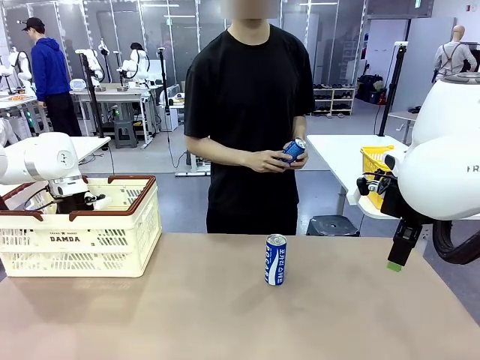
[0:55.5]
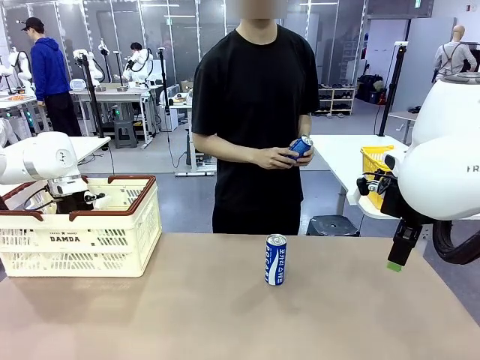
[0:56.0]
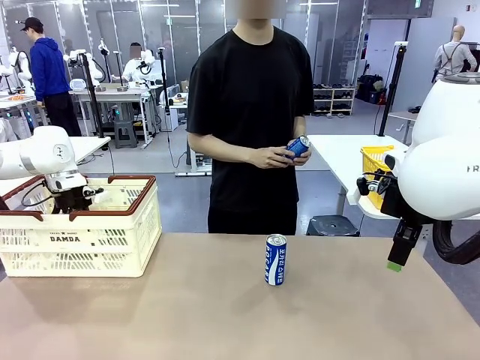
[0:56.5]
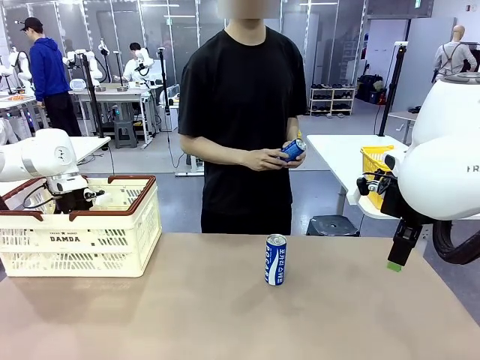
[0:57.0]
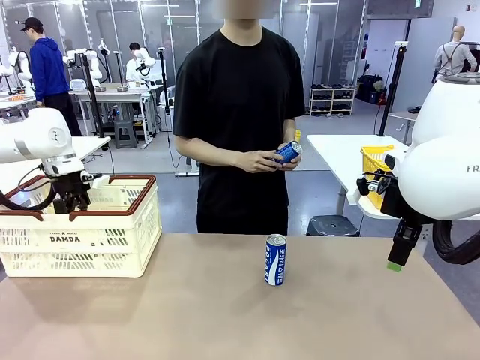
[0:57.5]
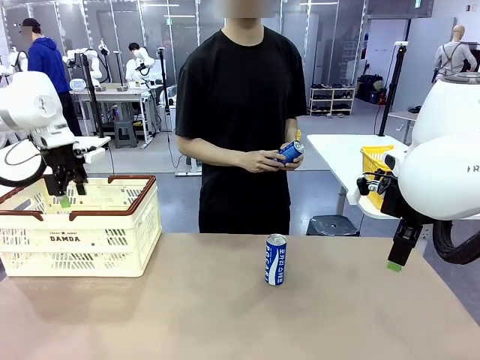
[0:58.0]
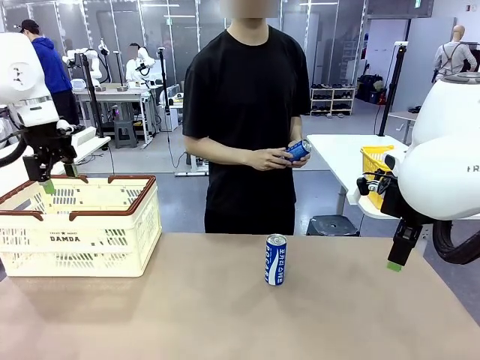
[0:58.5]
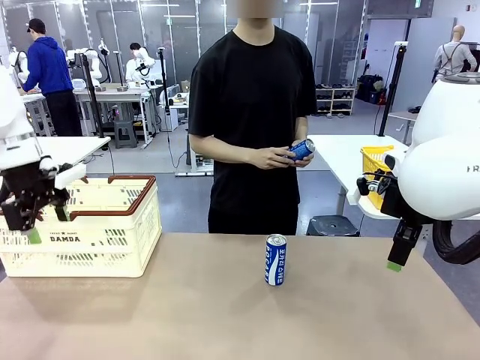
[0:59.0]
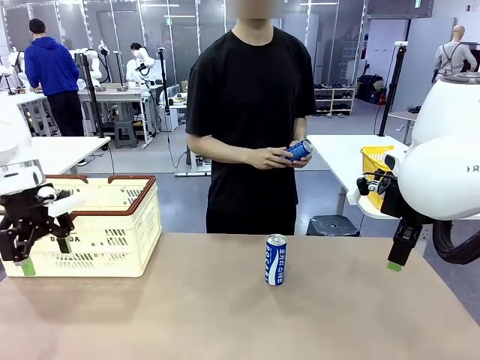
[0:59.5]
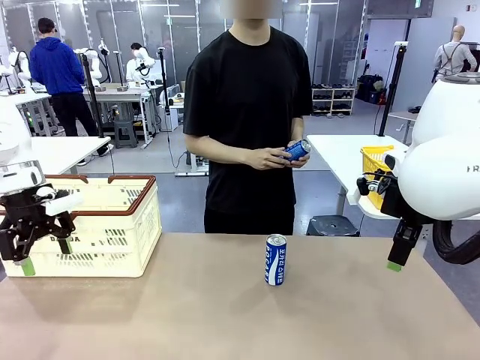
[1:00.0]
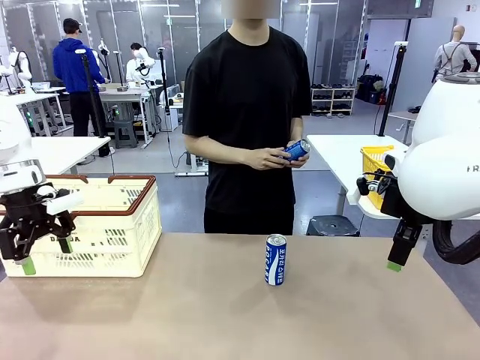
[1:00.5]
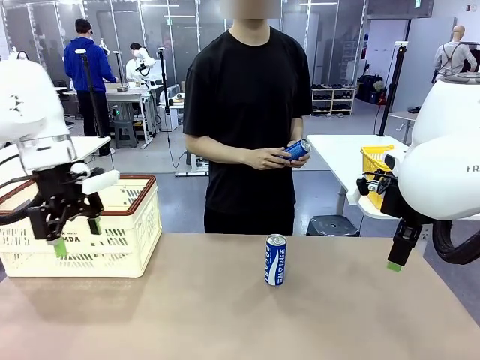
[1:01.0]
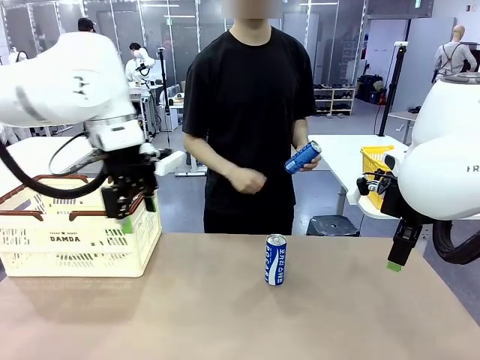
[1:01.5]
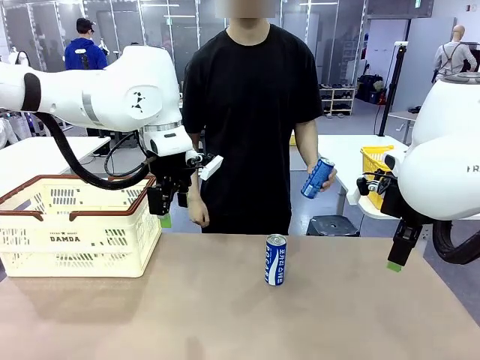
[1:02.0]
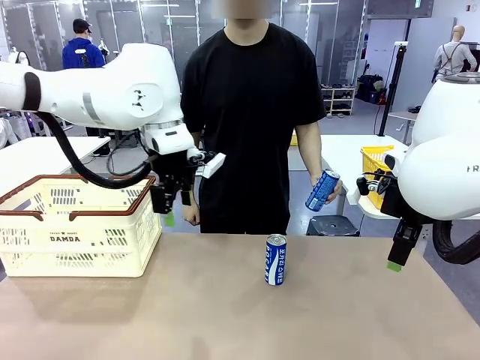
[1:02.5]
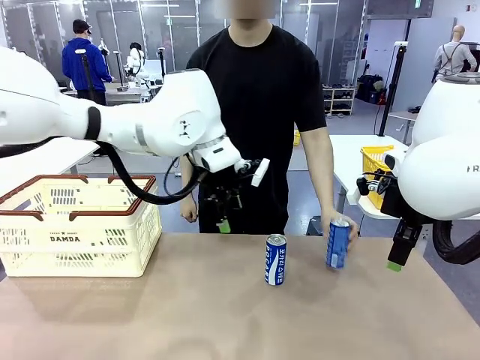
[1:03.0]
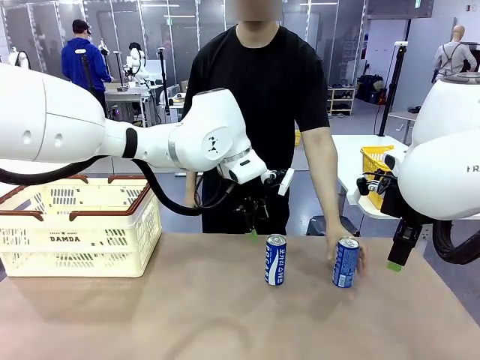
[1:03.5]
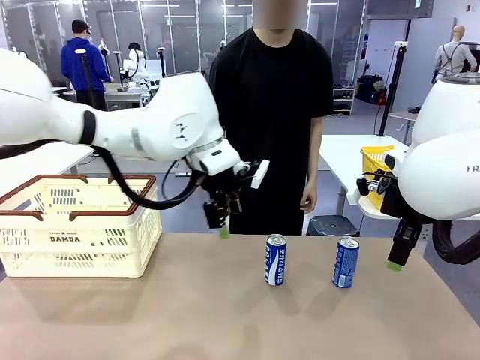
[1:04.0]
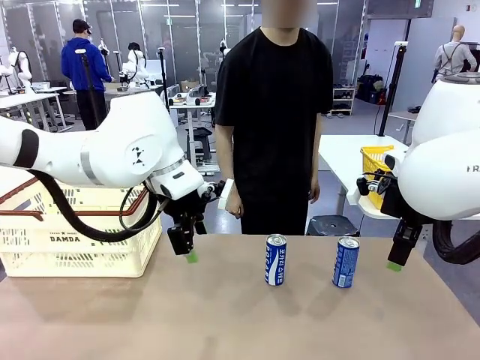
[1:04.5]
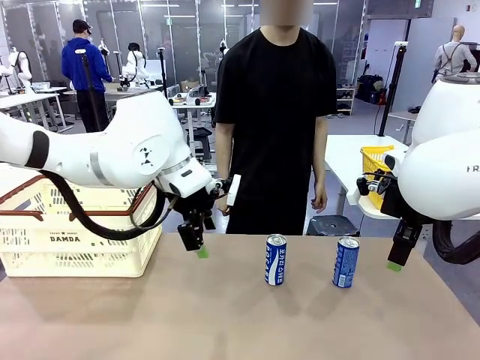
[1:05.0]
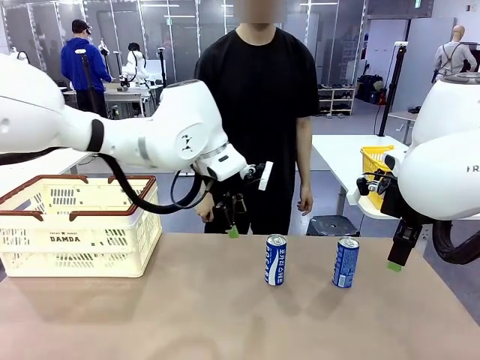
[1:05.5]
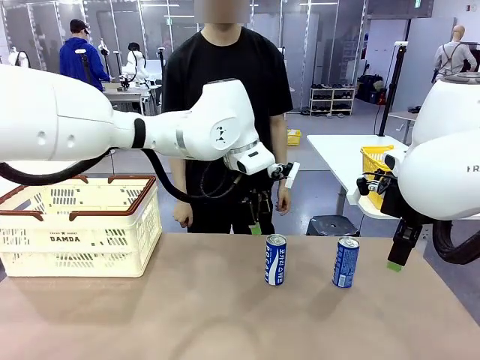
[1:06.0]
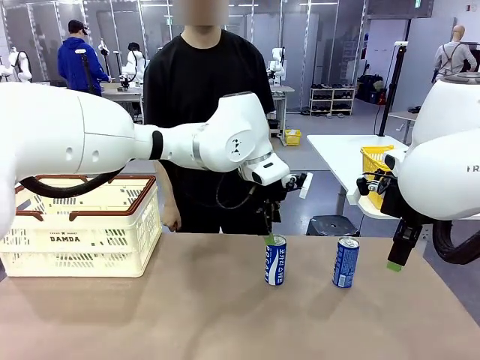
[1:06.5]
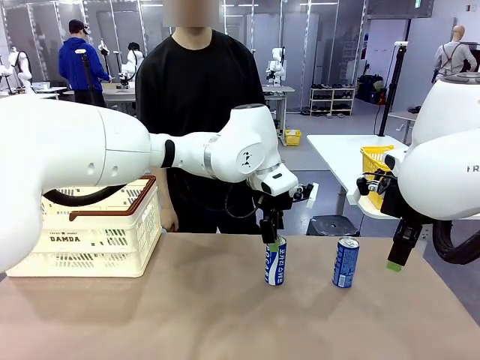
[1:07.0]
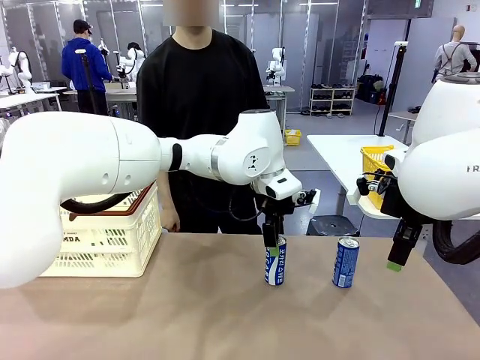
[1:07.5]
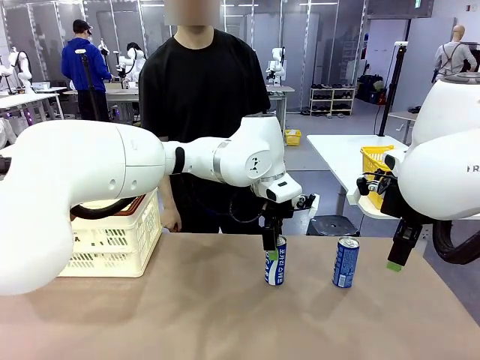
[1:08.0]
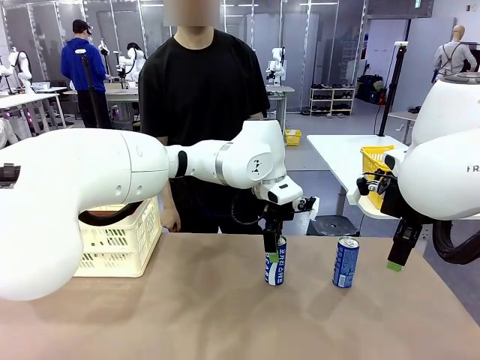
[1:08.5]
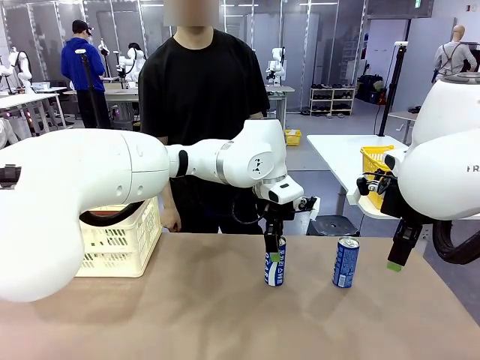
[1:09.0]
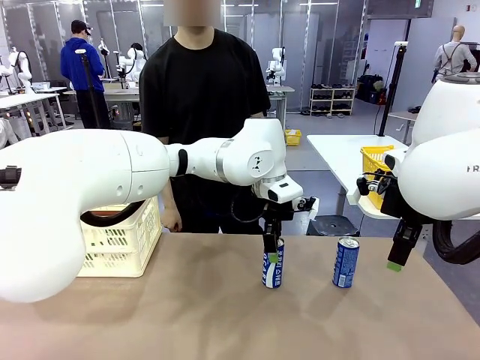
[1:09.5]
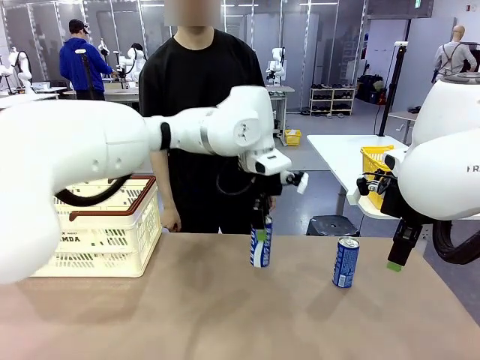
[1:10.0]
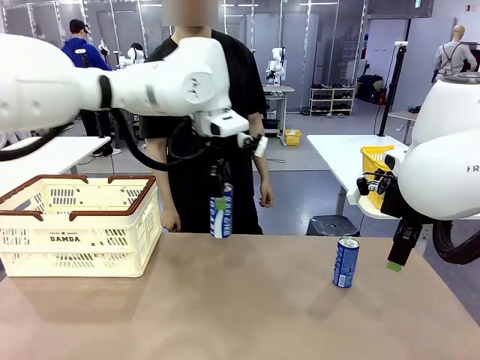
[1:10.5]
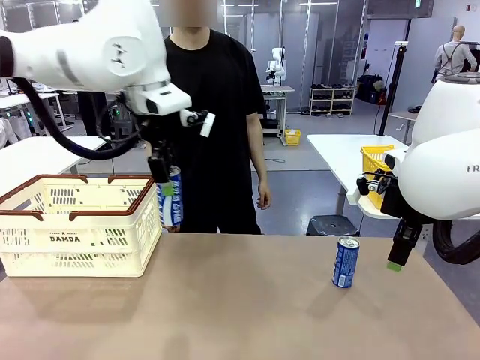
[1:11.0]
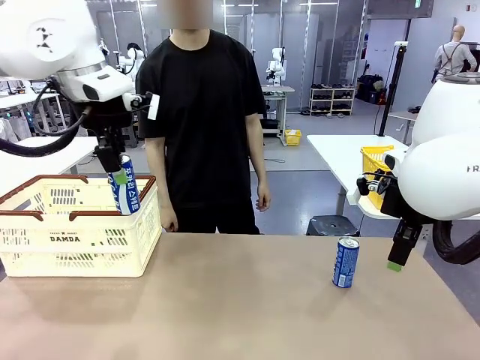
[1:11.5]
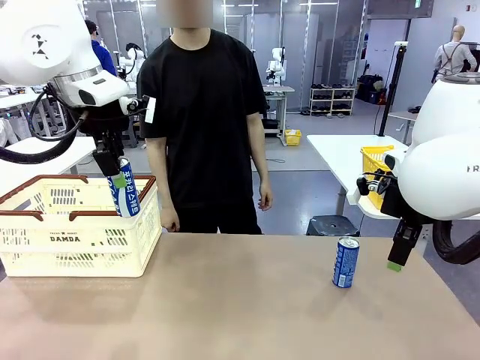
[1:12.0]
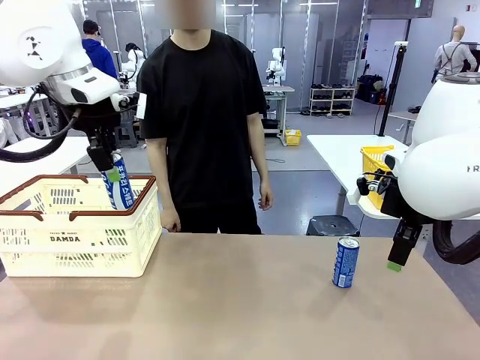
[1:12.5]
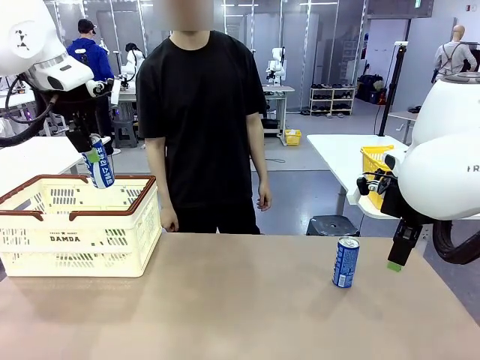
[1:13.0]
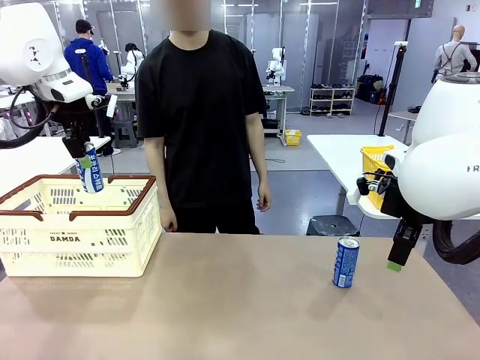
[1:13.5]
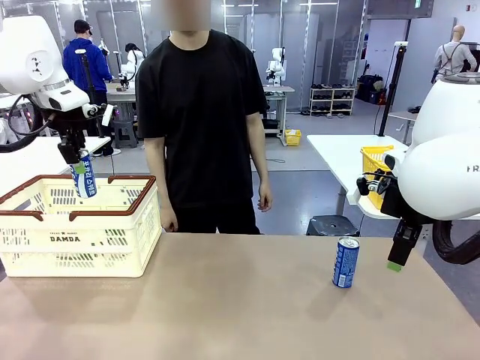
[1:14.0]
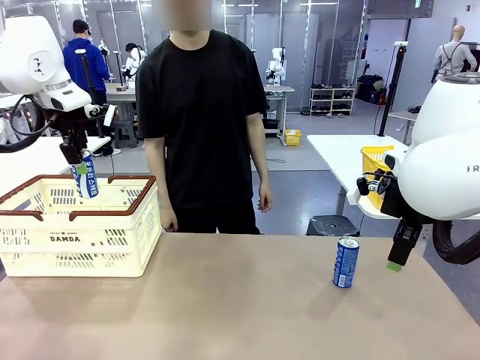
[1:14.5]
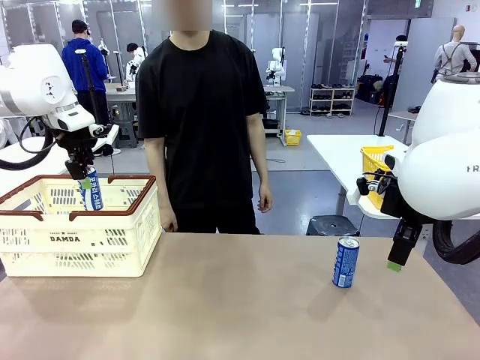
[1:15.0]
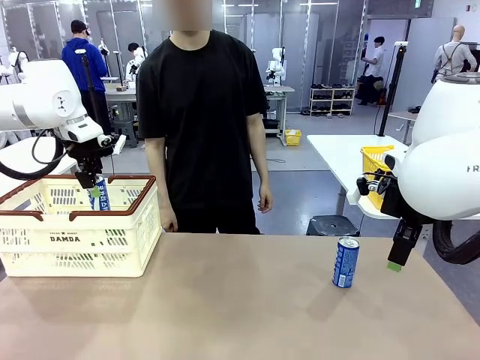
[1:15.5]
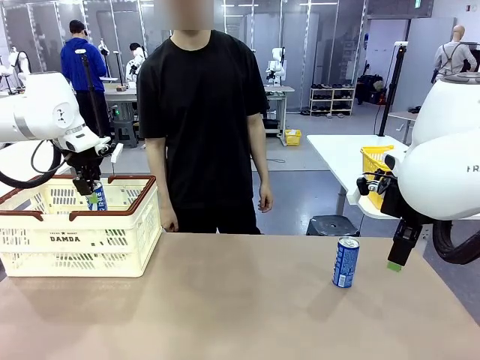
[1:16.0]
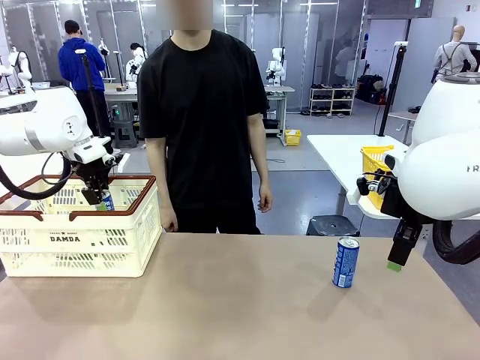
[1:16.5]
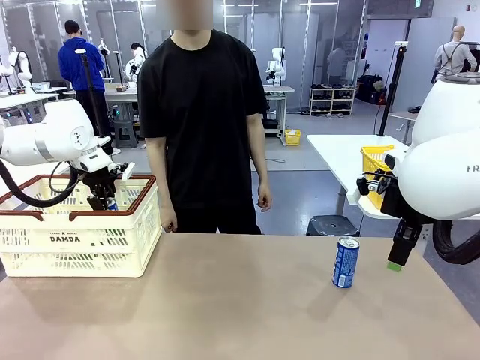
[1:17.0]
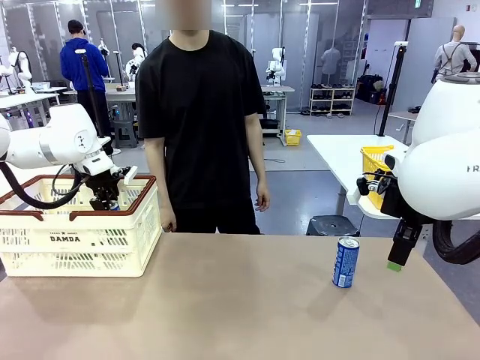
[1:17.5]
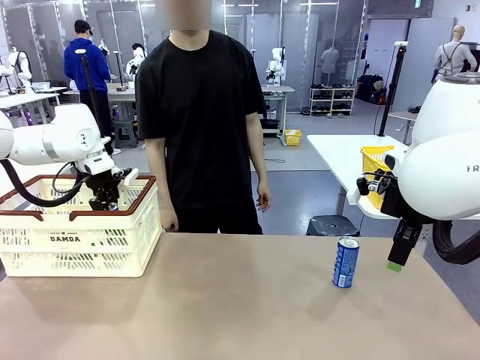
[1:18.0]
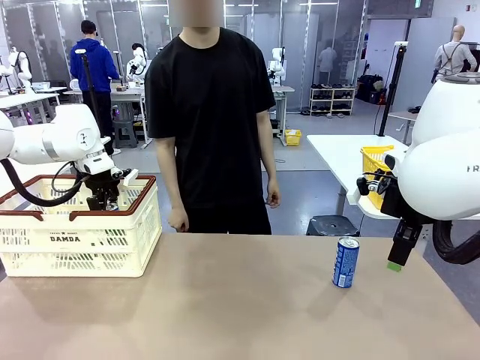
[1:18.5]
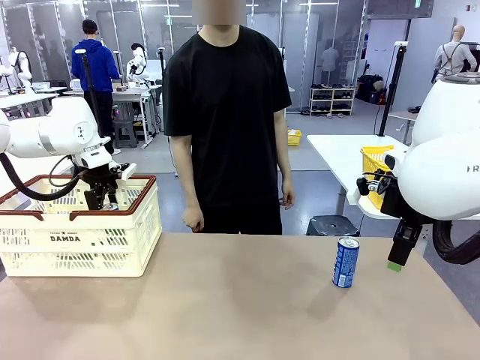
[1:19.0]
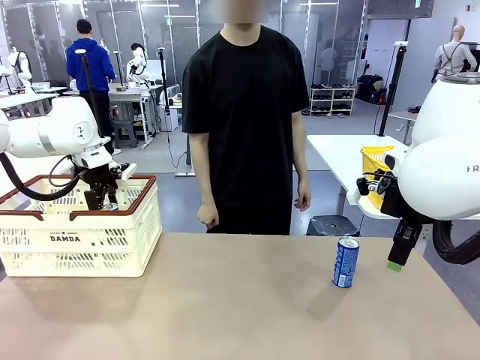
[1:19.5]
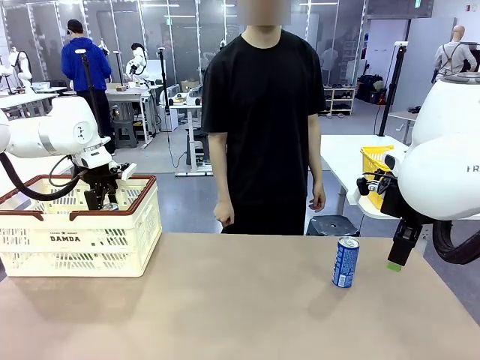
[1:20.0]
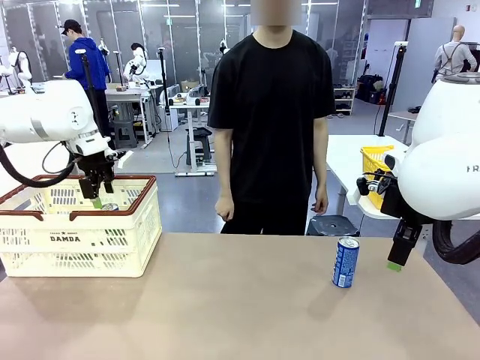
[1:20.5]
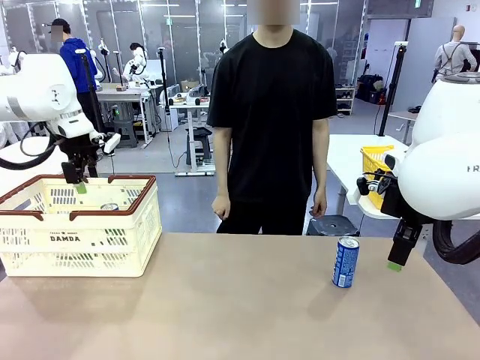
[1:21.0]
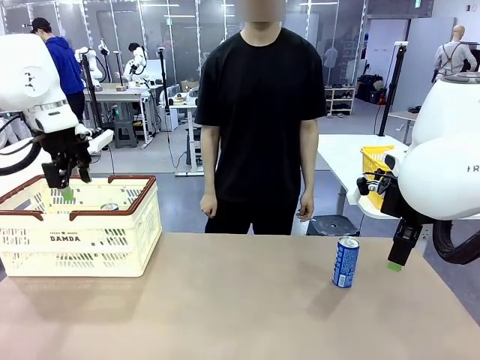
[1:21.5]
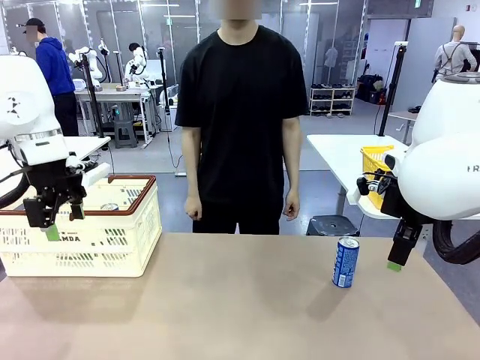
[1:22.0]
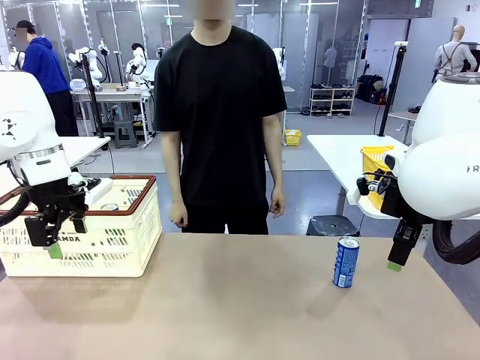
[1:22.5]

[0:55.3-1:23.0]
Task: Place the drinks into the Shopping basket.
Robot: Pick up one drink and place it into the Shopping basket.
